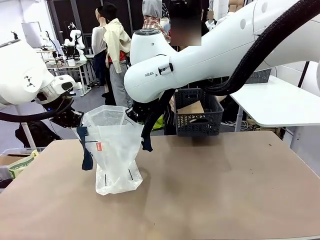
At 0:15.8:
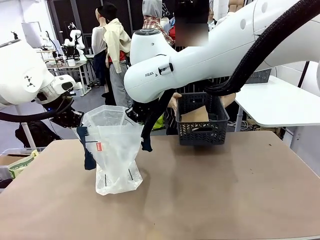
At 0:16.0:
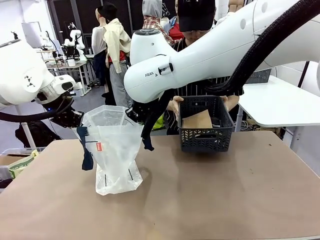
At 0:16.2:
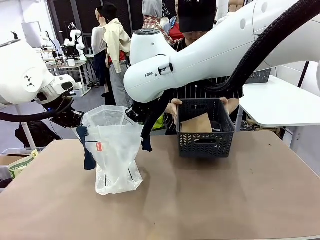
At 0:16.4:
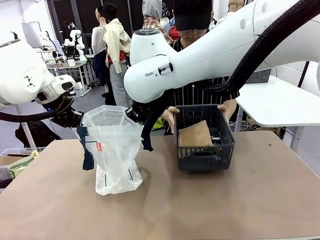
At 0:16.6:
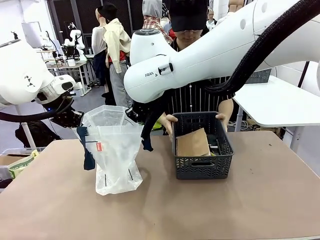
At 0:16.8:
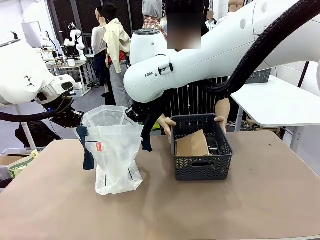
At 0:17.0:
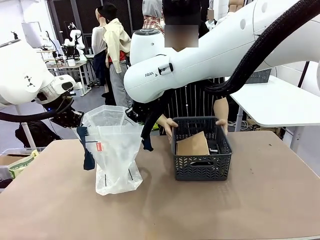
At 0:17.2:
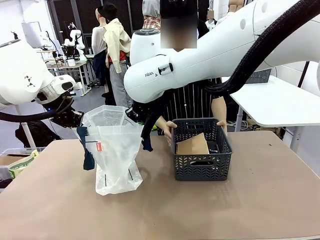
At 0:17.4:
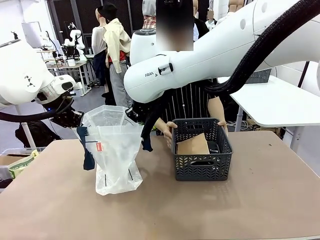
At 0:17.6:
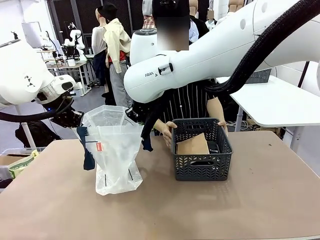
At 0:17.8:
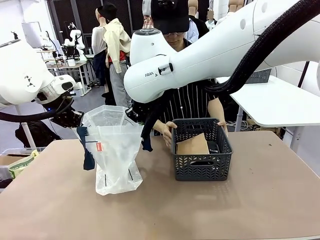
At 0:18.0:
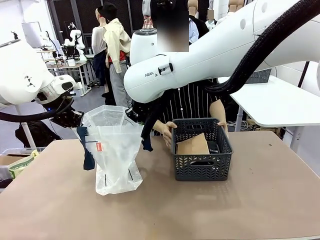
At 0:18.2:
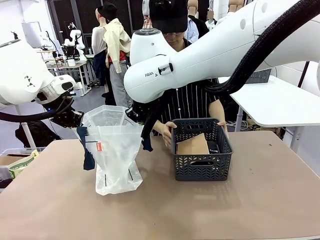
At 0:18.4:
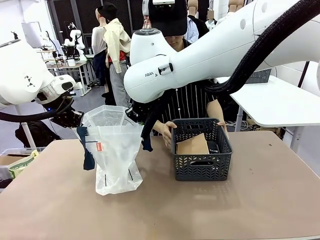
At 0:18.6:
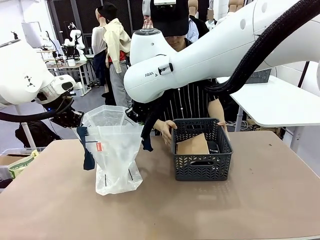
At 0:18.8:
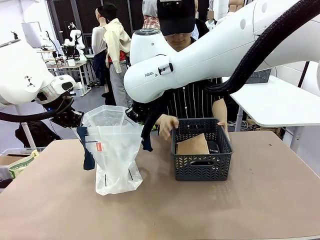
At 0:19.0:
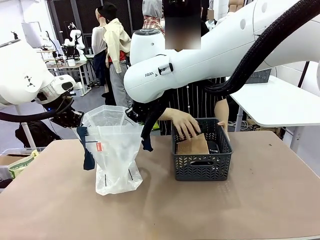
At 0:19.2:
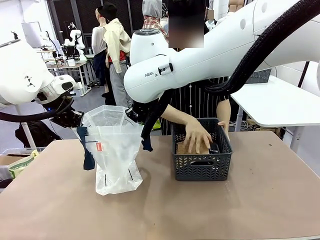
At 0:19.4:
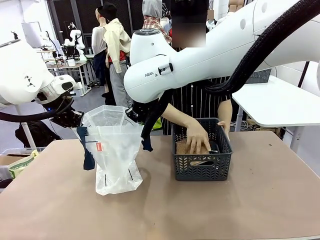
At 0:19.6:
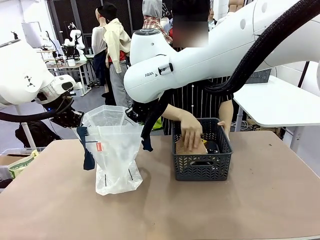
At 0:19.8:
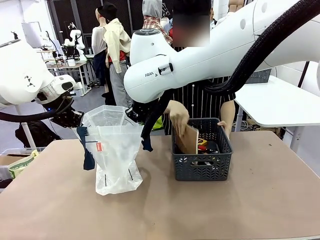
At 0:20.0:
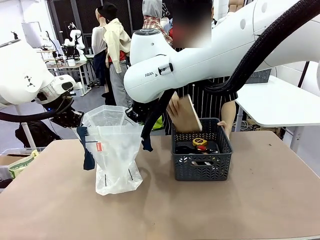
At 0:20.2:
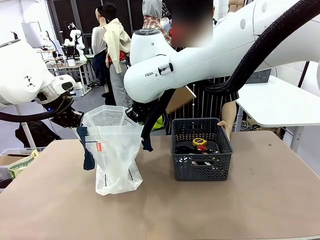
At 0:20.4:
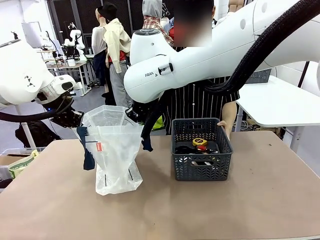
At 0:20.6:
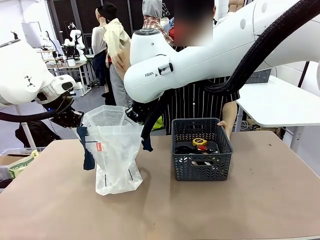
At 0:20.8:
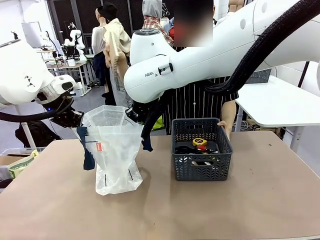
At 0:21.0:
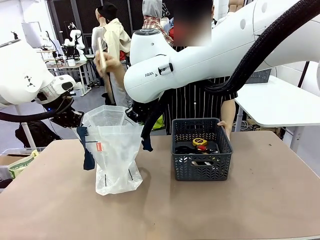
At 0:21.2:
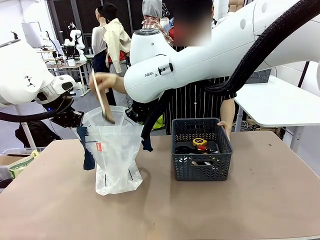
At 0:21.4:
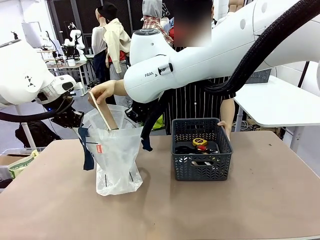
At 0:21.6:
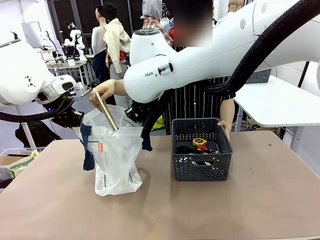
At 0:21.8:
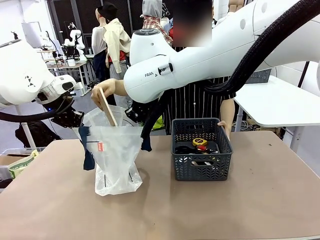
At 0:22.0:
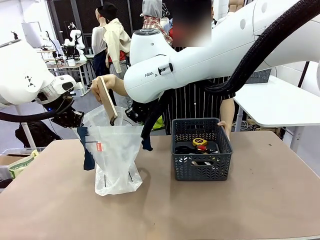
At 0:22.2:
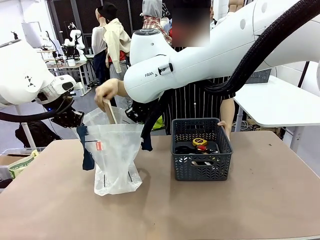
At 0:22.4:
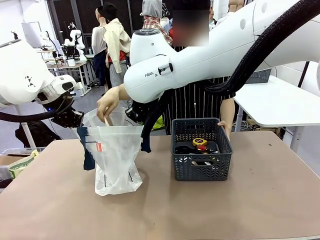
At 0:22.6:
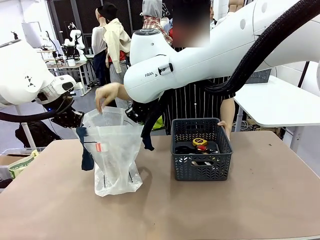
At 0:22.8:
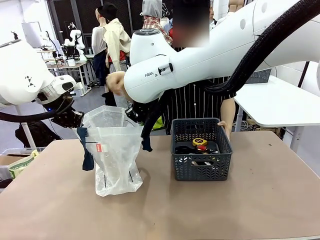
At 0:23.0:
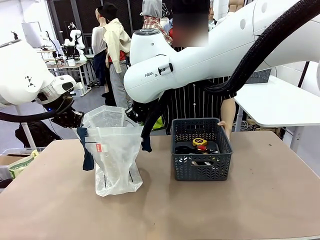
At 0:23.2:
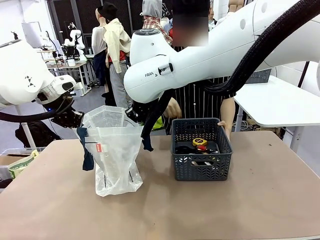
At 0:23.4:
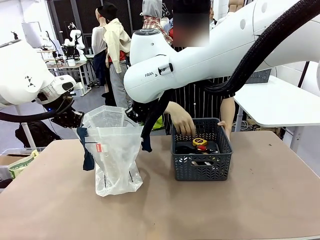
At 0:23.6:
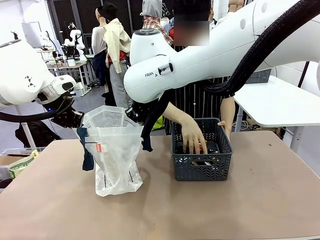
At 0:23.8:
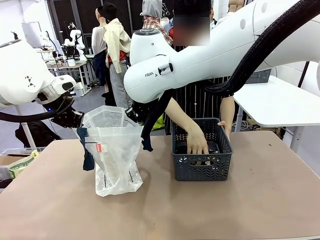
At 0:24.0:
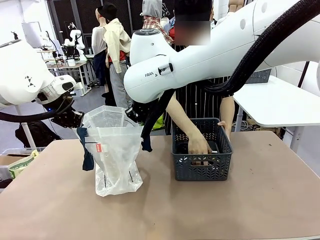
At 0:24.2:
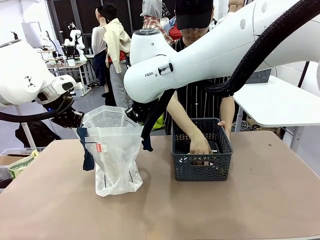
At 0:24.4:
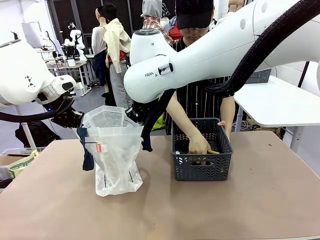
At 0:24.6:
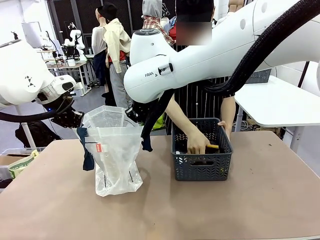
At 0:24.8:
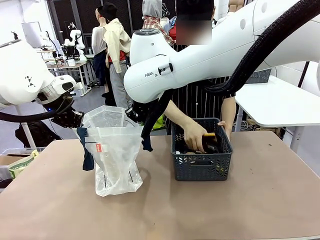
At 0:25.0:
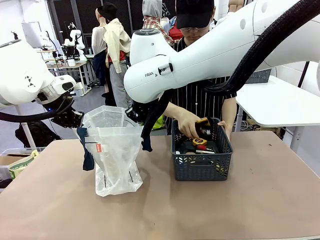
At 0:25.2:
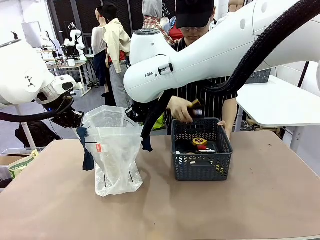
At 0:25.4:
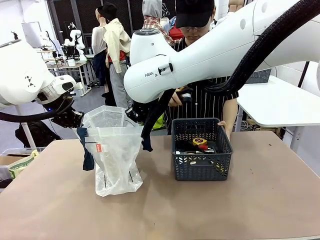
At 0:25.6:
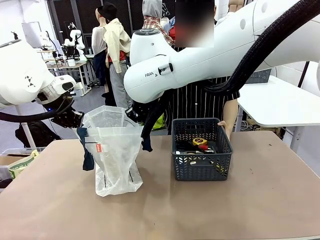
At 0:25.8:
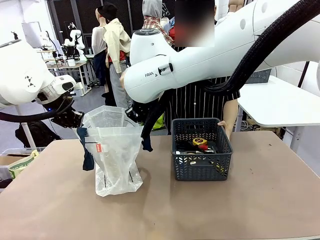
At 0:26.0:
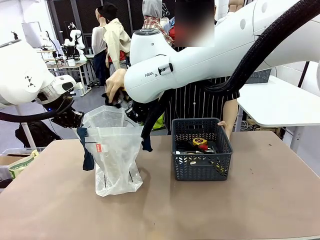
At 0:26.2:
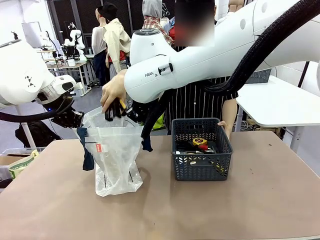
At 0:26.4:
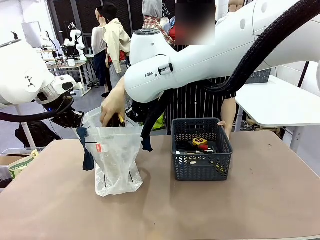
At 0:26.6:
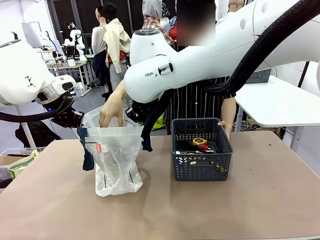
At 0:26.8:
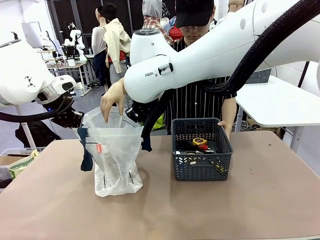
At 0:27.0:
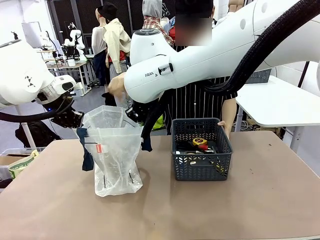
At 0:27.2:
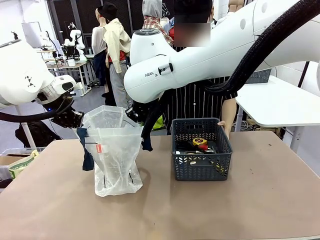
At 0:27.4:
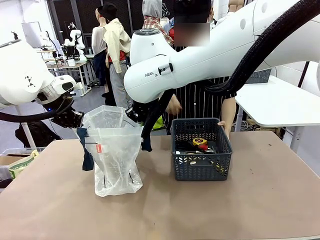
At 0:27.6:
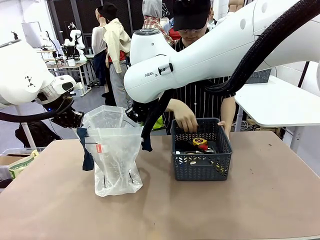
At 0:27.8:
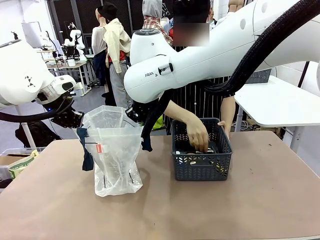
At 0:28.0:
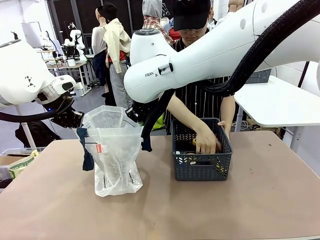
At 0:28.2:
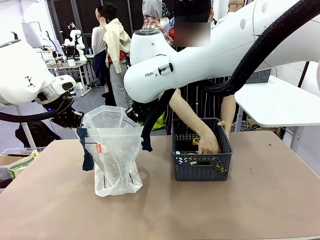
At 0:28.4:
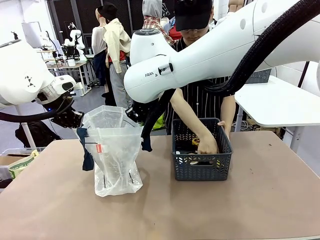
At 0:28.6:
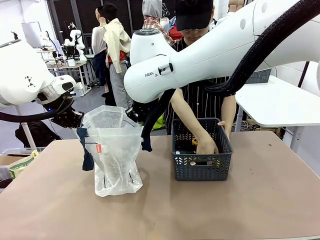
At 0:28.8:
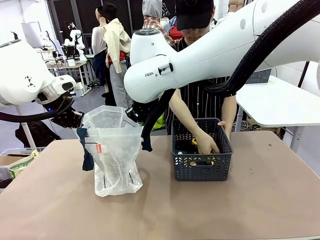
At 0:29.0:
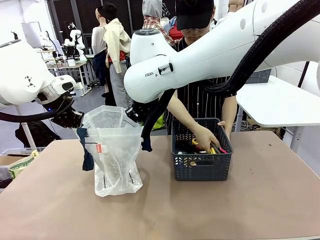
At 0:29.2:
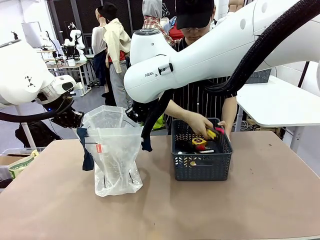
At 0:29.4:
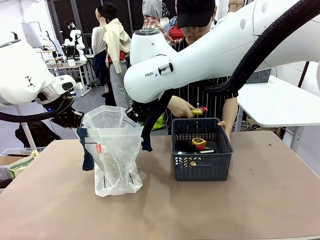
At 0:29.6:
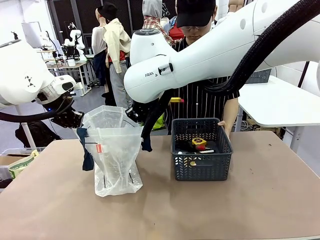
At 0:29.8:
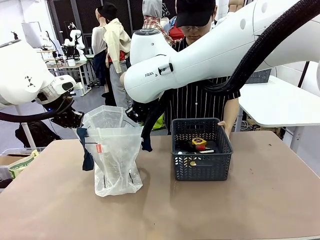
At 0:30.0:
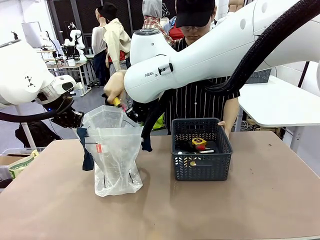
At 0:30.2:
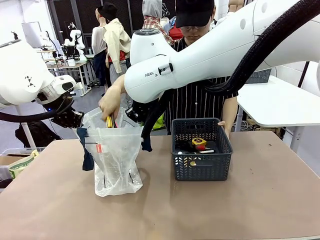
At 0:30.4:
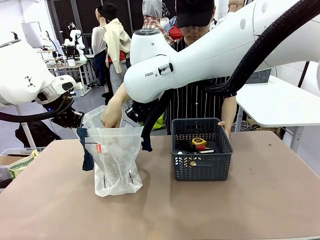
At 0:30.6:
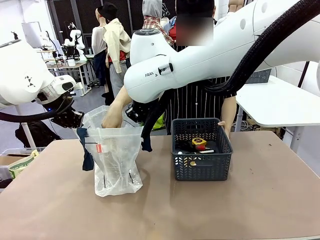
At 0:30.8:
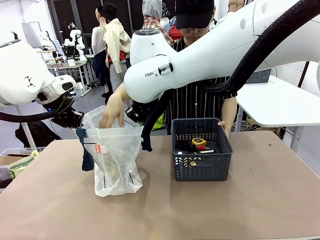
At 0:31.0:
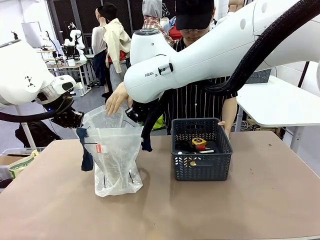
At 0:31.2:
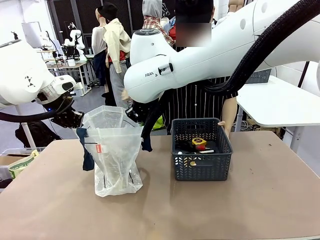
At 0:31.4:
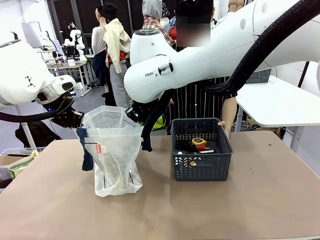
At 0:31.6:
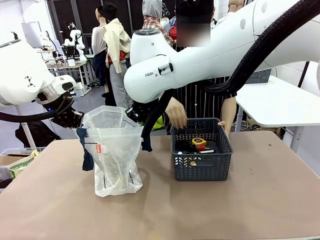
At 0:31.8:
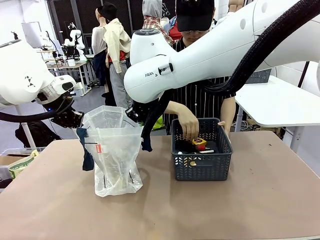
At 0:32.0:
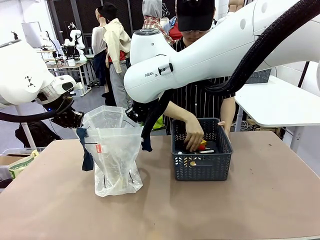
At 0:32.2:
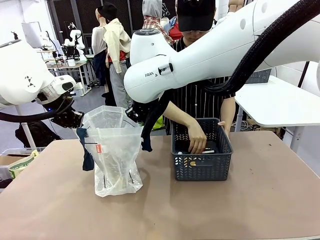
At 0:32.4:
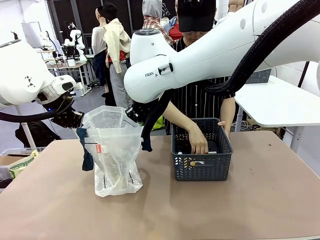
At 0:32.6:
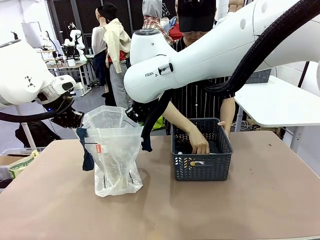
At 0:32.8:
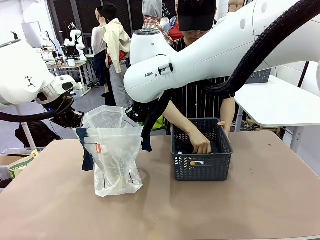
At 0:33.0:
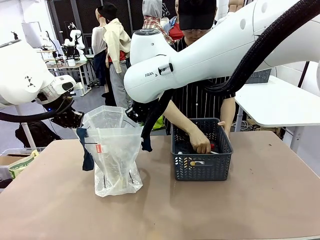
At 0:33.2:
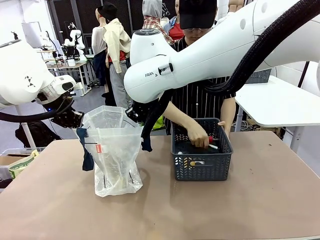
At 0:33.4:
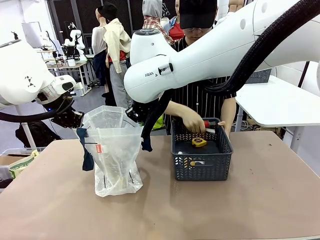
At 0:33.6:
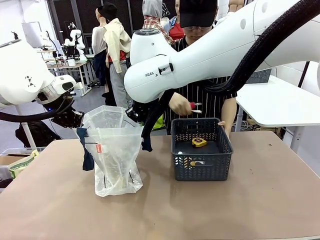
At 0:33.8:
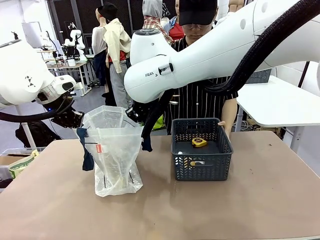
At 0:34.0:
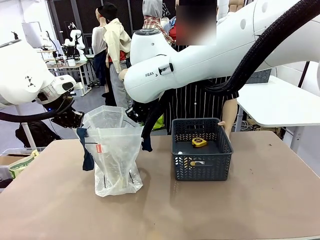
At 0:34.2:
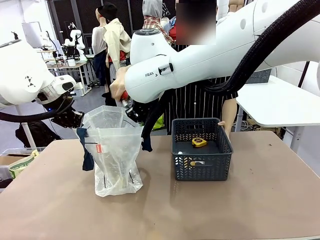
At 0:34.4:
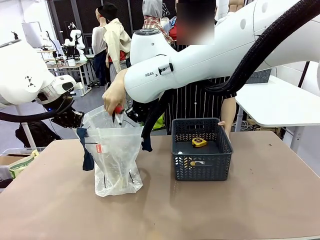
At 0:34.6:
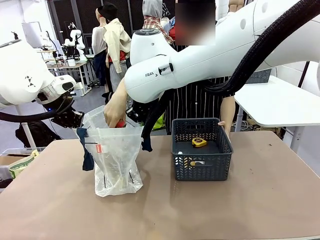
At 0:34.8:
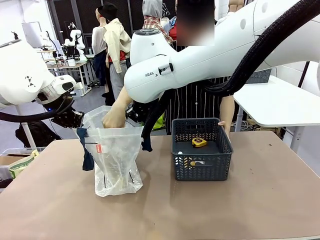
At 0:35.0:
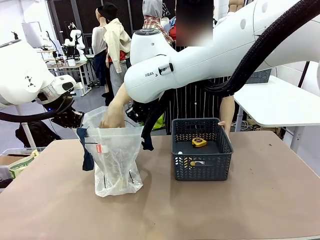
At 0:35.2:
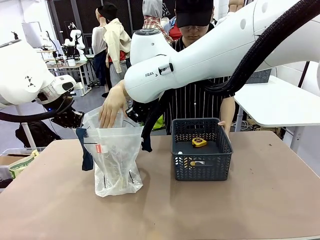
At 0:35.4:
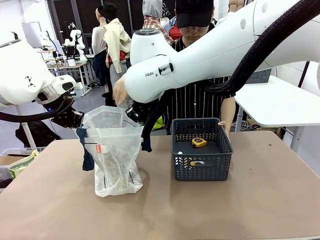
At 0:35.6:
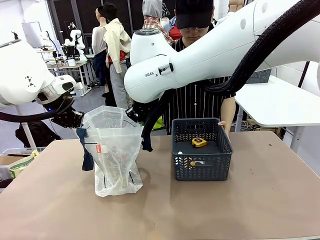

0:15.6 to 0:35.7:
Task: Transfer purchased items from the store into the shopping bag.
Robot: Move the Reusable shopping bag to the right side of the table.
Person: Pick up the basket with the items out and place it on the right side of the human table.
